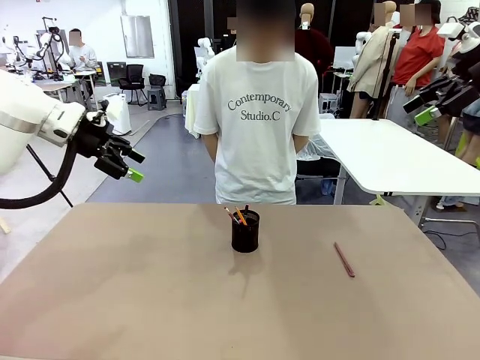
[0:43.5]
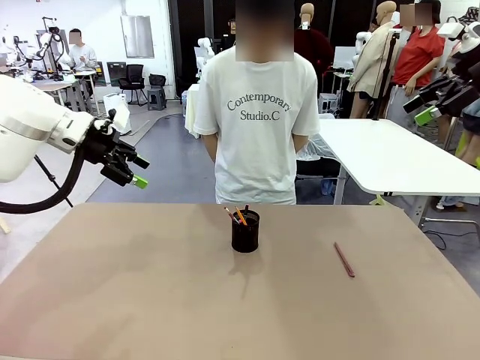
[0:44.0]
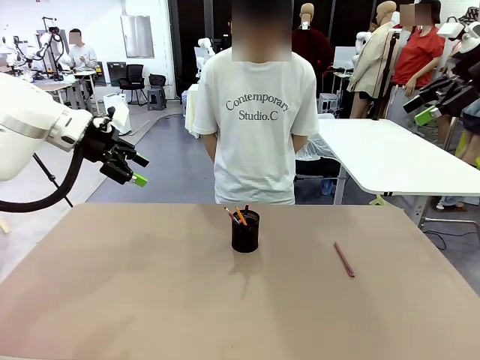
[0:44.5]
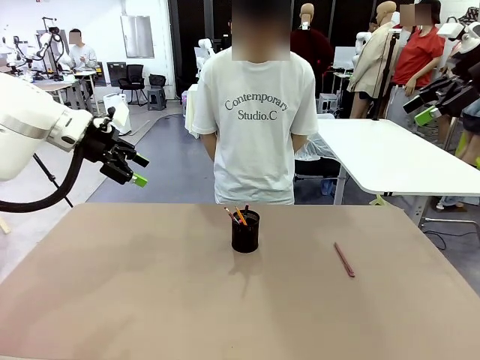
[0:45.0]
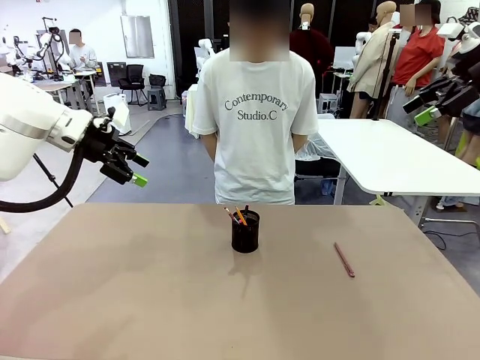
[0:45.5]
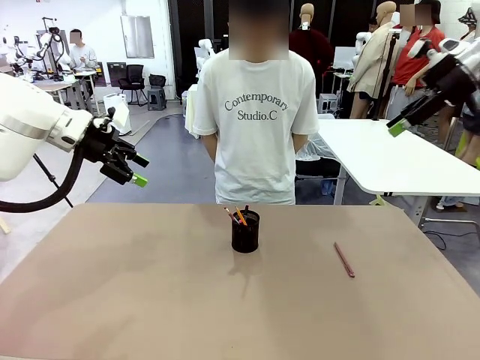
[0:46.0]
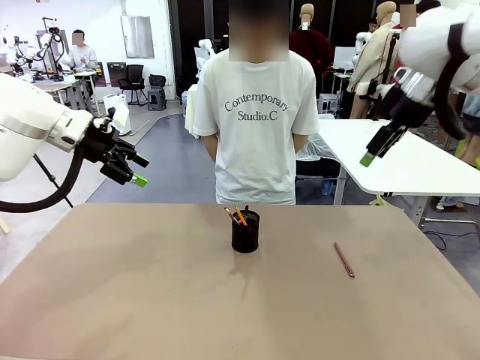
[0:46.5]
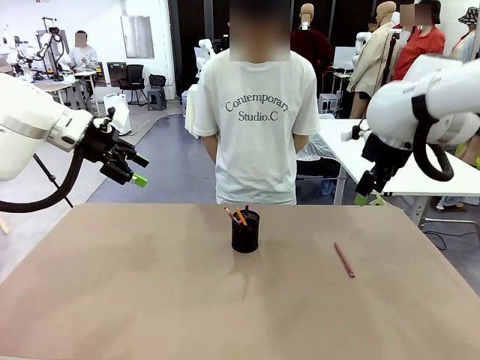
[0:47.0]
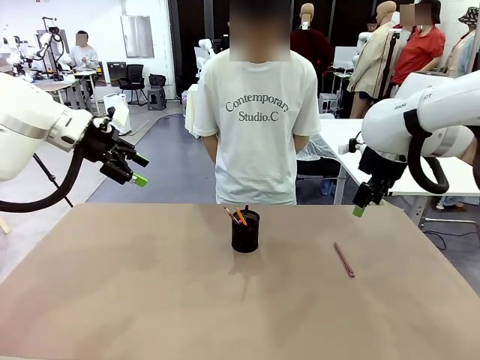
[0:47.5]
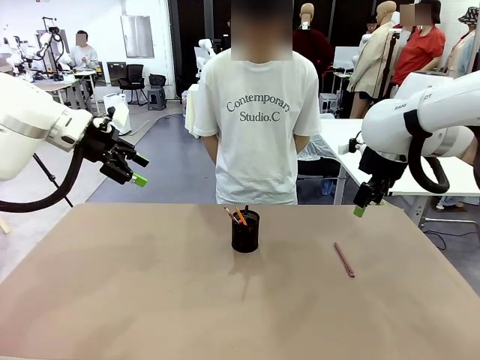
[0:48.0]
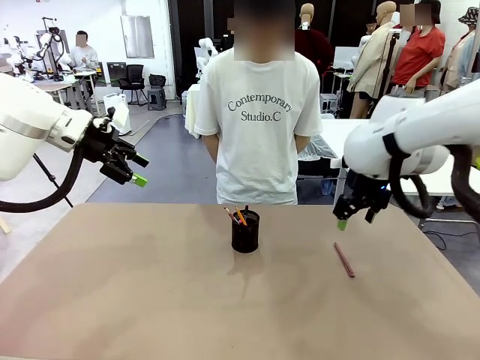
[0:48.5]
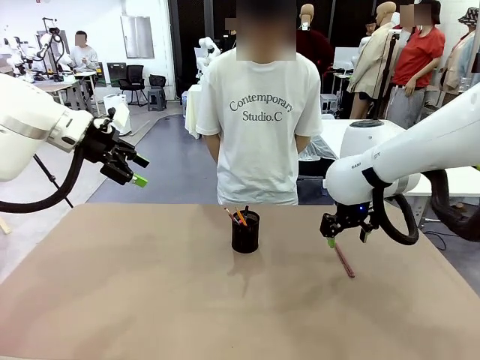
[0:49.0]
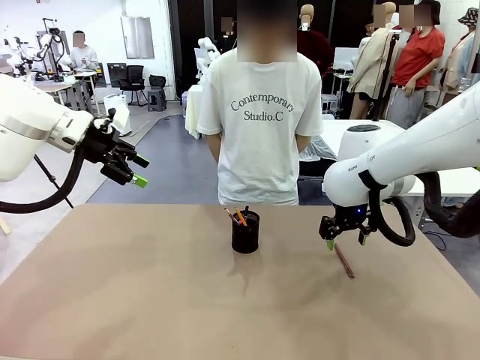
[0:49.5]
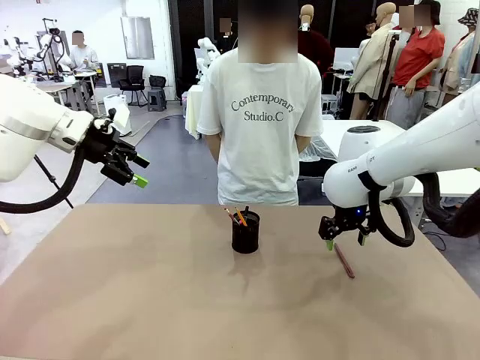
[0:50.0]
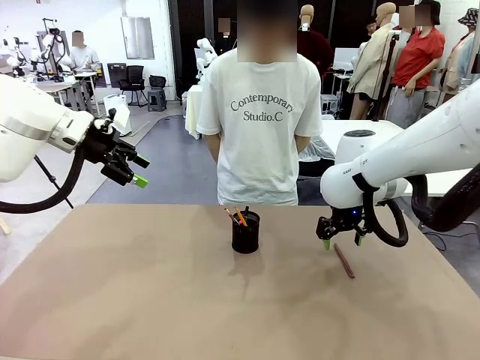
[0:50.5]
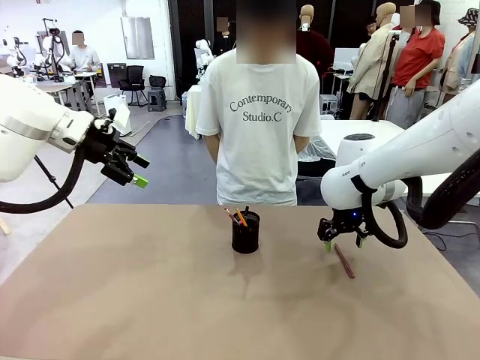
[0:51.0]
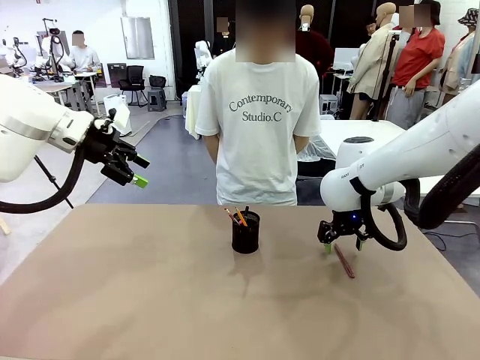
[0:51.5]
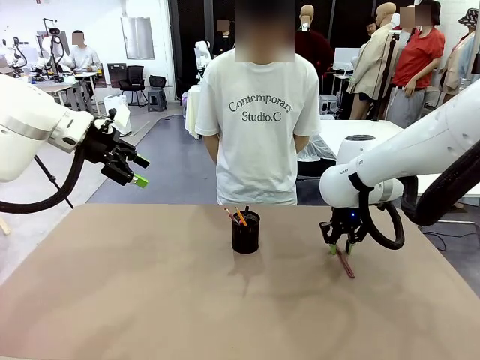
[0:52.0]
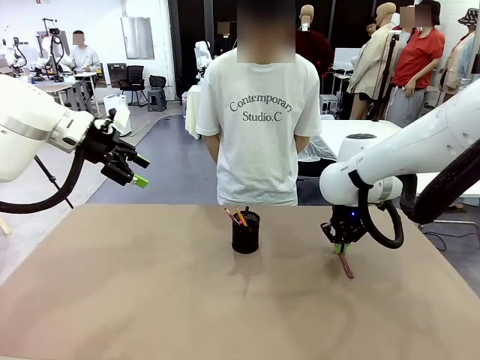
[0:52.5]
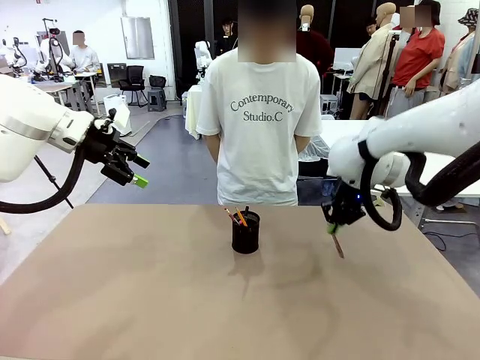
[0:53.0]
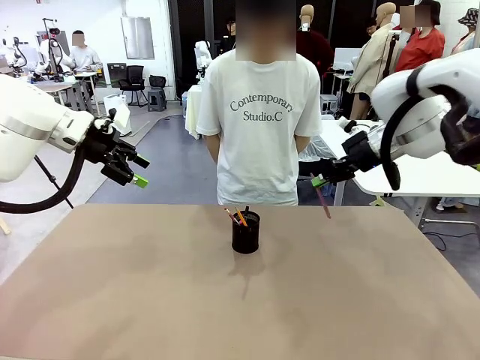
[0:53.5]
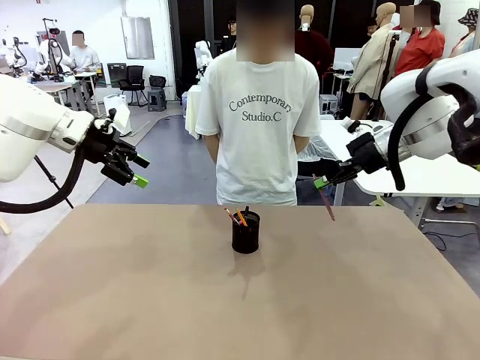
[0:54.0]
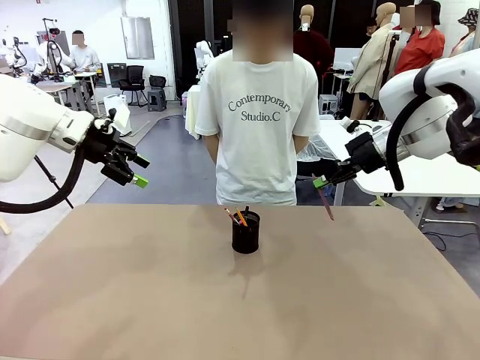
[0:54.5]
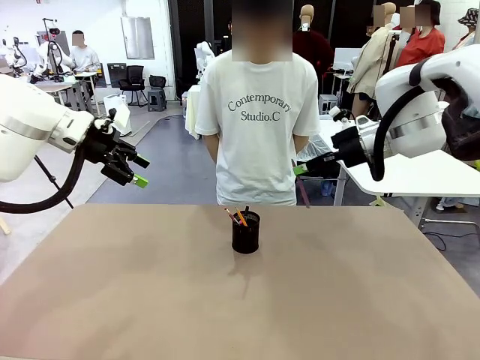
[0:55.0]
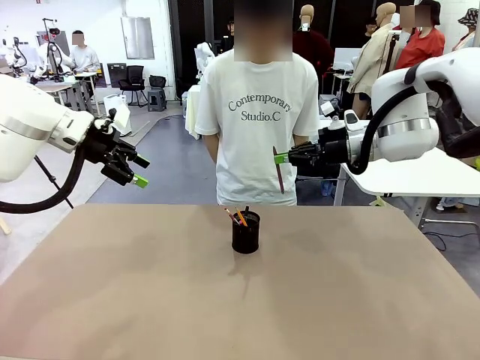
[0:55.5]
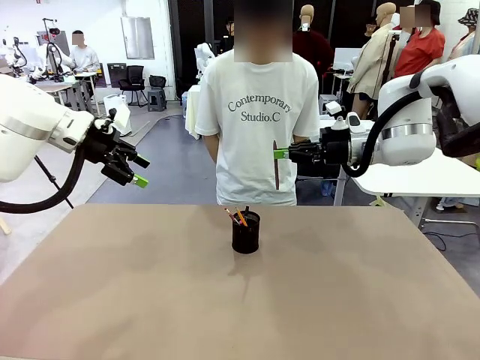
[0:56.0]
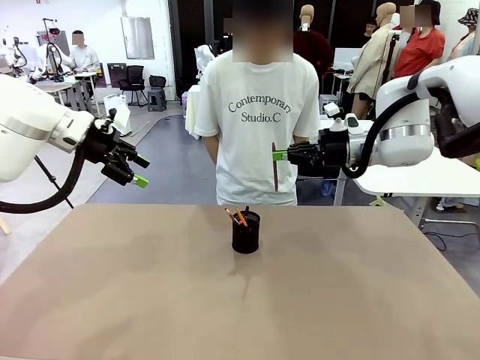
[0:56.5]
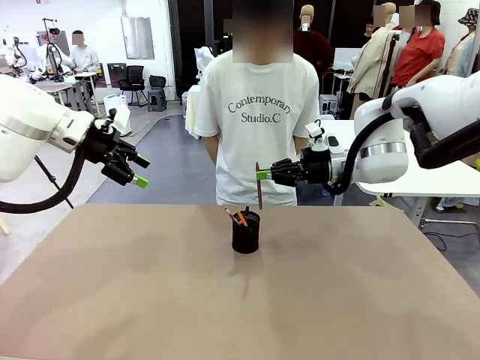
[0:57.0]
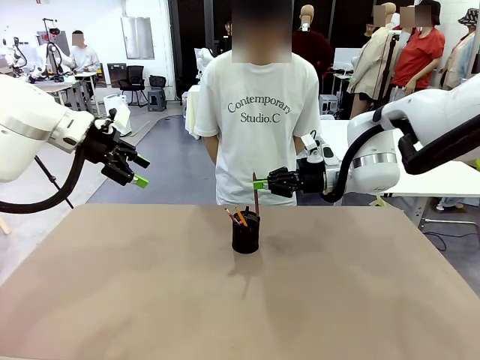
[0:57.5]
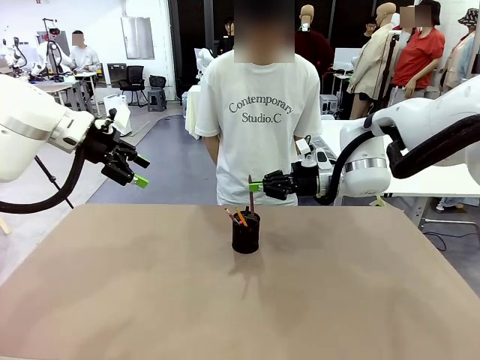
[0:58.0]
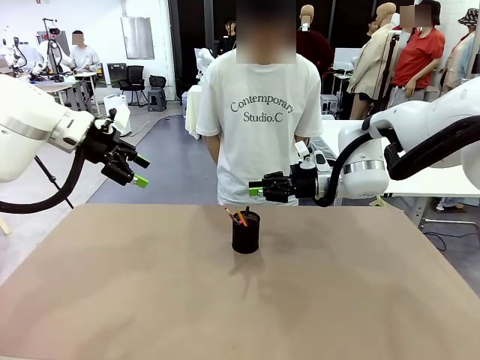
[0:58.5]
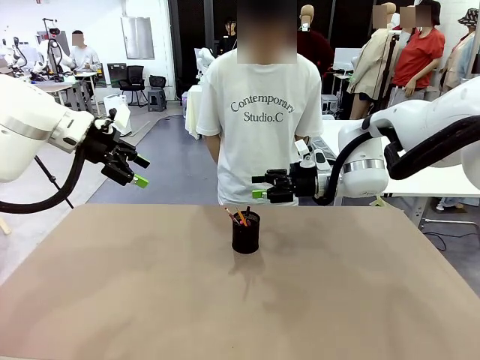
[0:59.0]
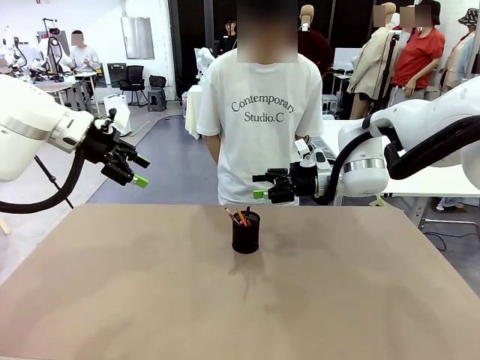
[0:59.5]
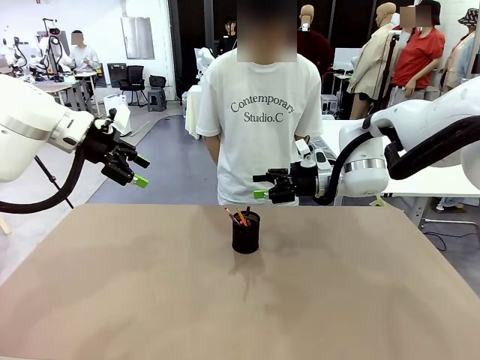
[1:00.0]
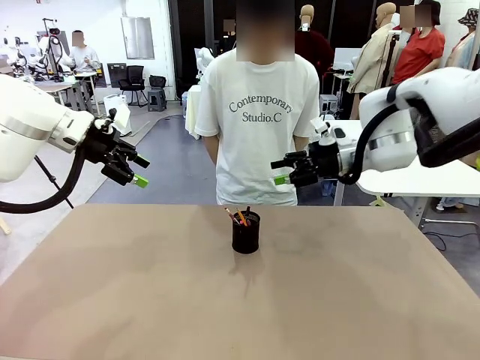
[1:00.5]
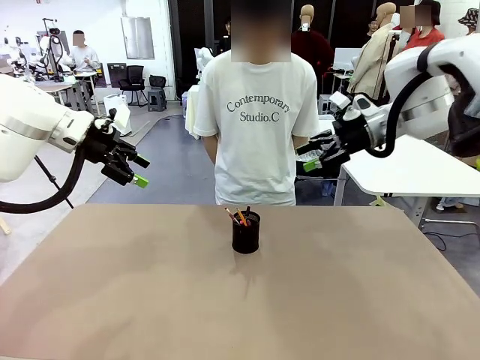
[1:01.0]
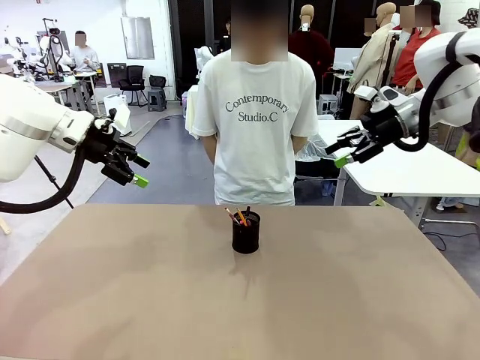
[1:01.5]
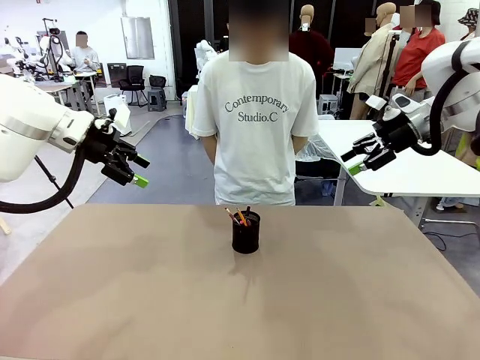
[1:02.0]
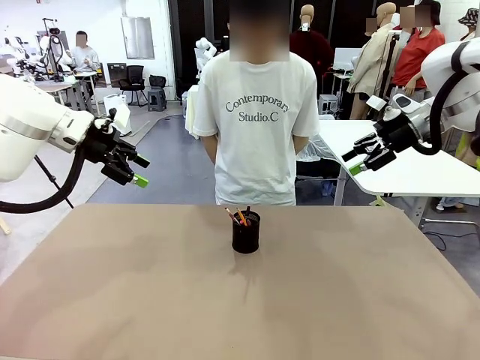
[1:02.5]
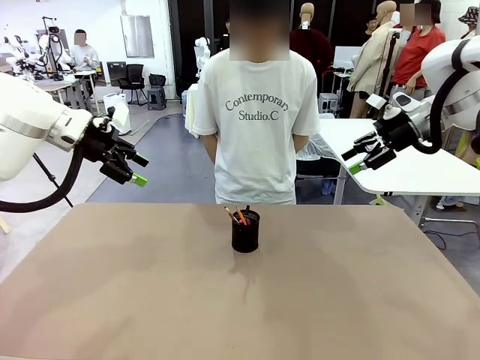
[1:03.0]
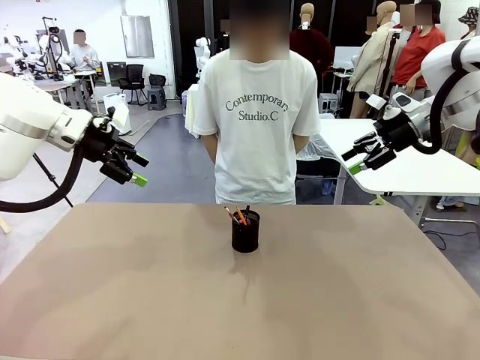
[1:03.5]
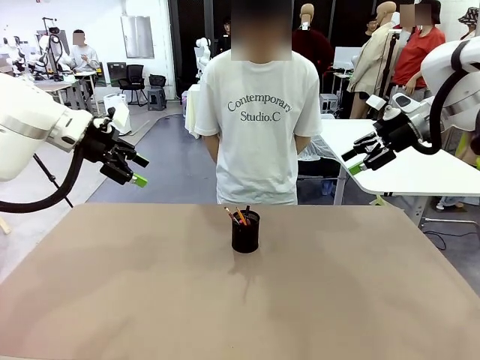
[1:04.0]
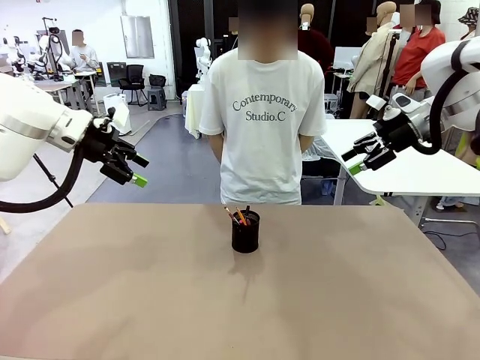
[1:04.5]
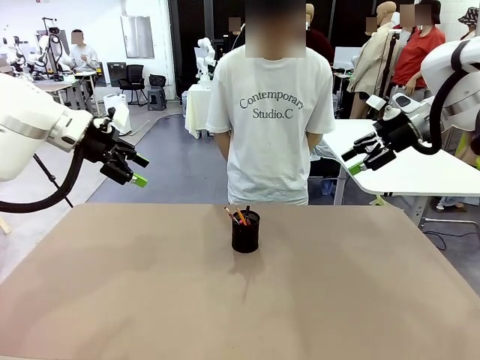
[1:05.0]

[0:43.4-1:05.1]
Task: Place the pens into the pen holder.
Robot: Pick up a writing instrument from the table and place it into the Pen holder.

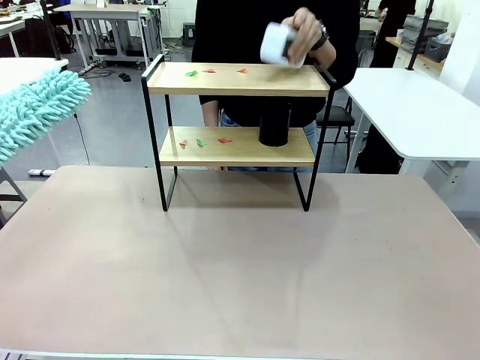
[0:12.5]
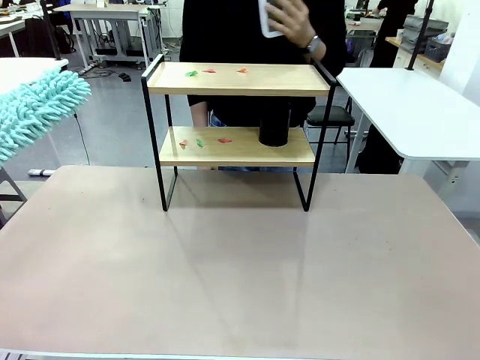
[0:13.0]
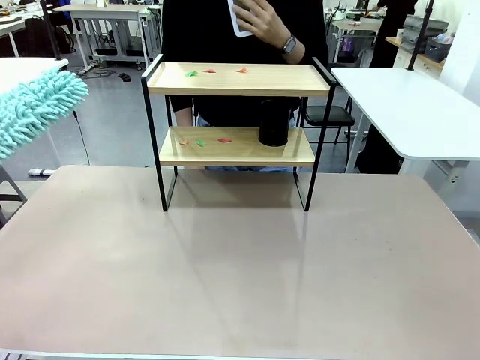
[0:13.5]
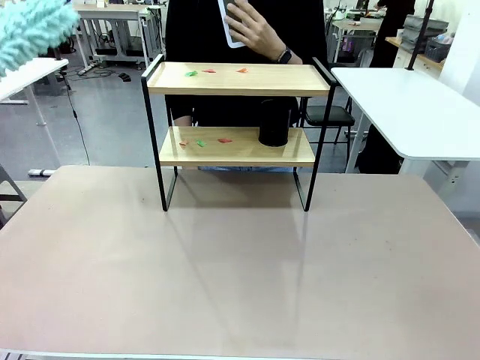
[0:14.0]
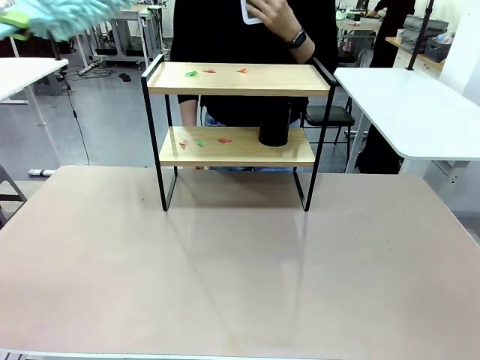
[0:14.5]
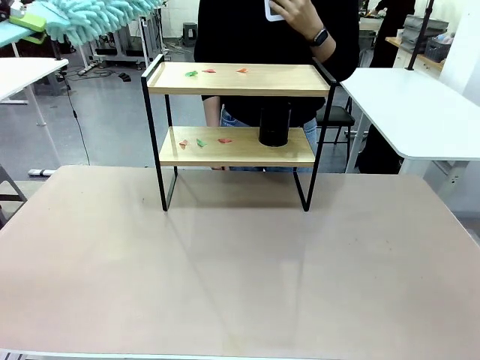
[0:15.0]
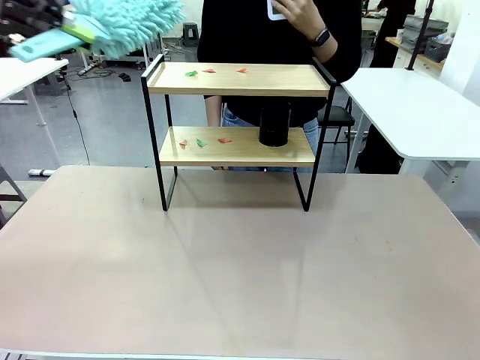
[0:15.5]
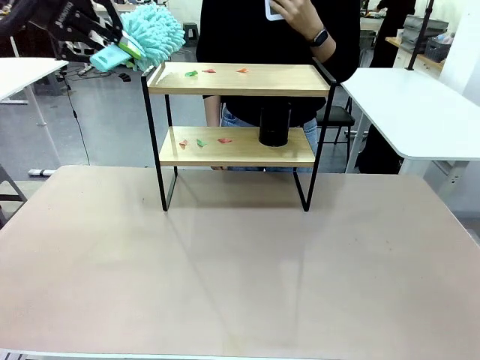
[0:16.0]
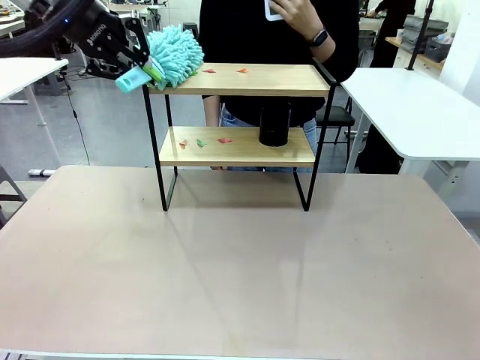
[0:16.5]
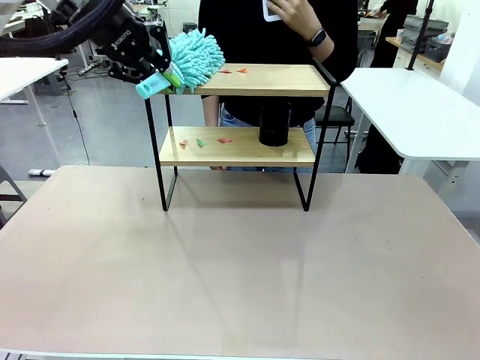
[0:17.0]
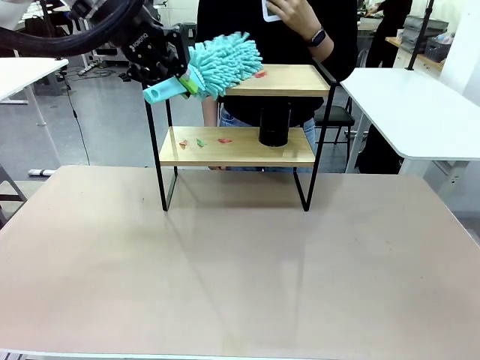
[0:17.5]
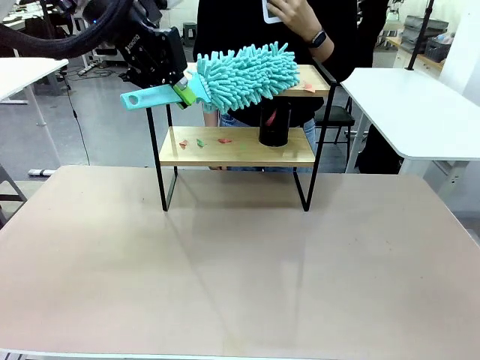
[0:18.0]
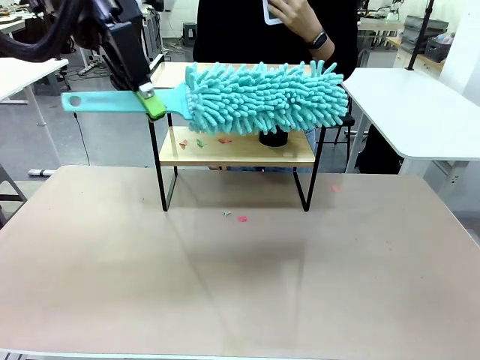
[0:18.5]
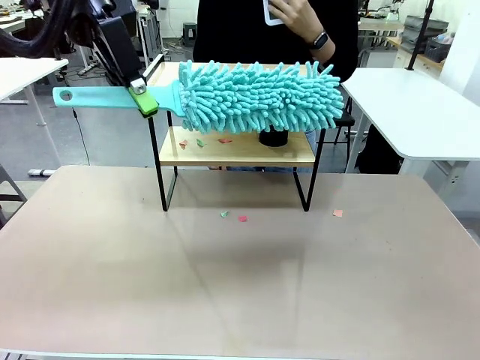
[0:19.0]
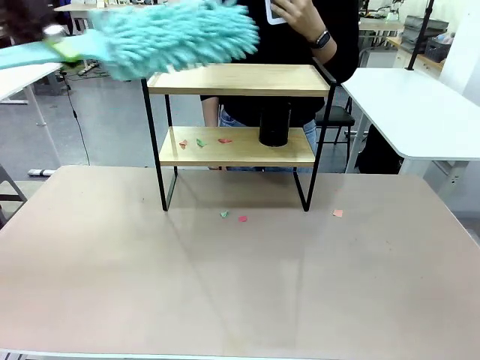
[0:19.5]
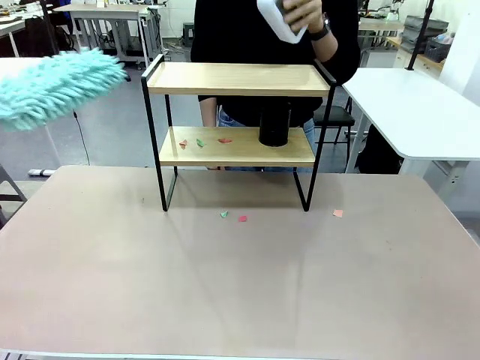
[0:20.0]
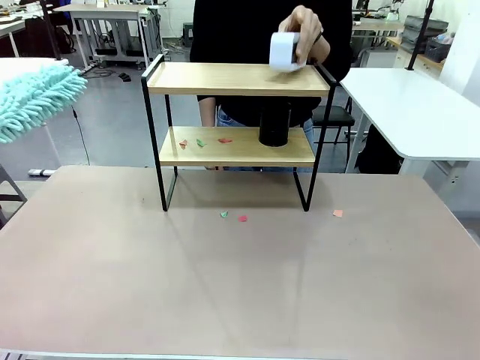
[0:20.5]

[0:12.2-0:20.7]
Task: Clean the shelf.
Robot: Clean the specific tier of the Shelf with the Duster once objects are removed.
Person: Lift the objects on a randomly selected tier of the Shelf. Once the robot finishes cleaning, lift the objects on the remaining tiers of the Shelf.
